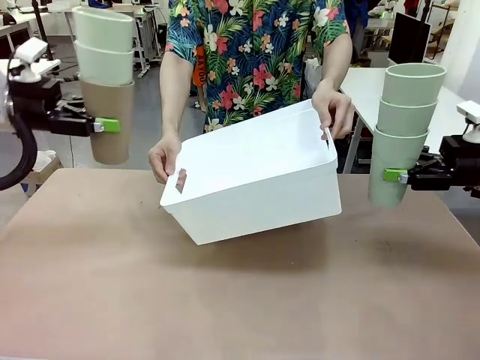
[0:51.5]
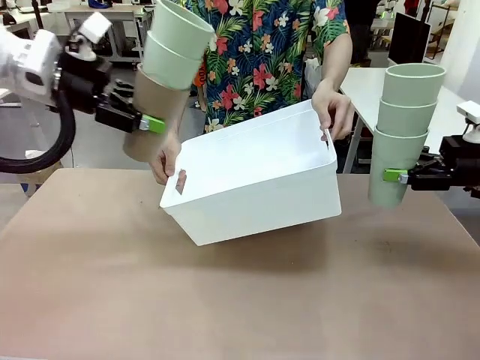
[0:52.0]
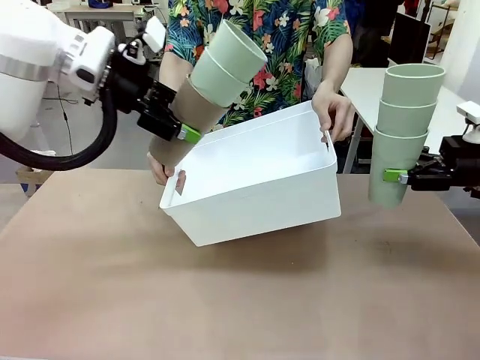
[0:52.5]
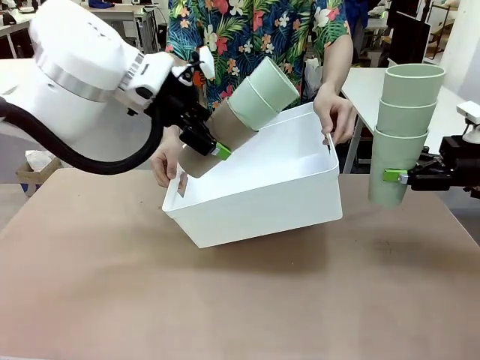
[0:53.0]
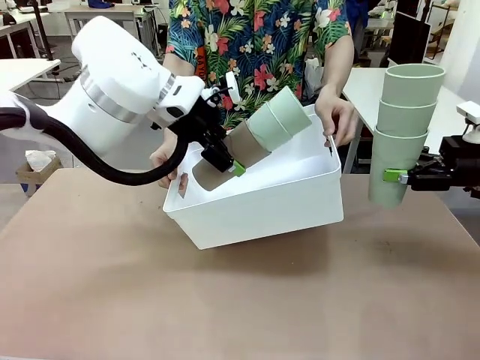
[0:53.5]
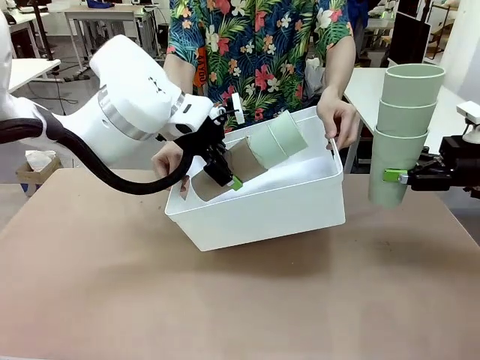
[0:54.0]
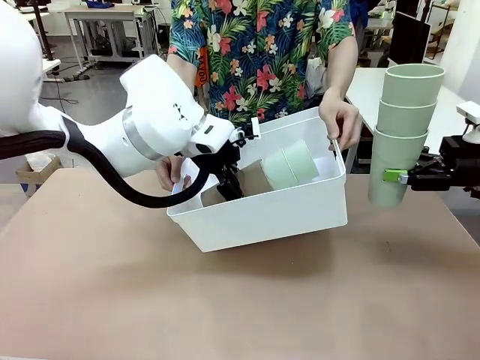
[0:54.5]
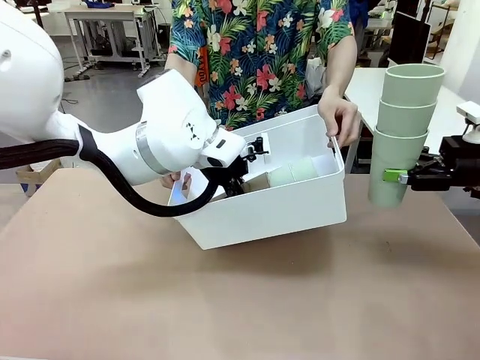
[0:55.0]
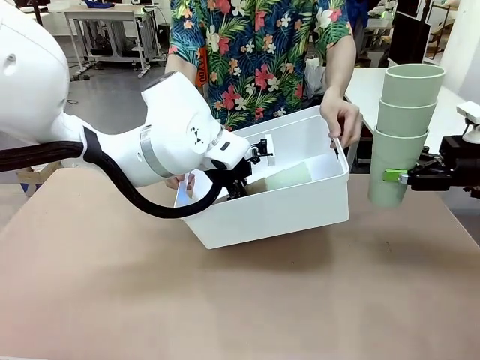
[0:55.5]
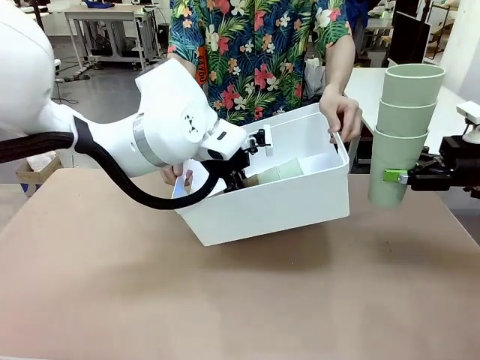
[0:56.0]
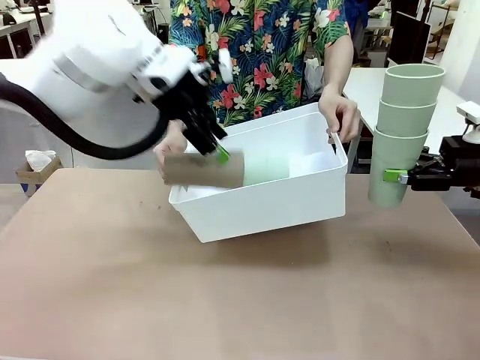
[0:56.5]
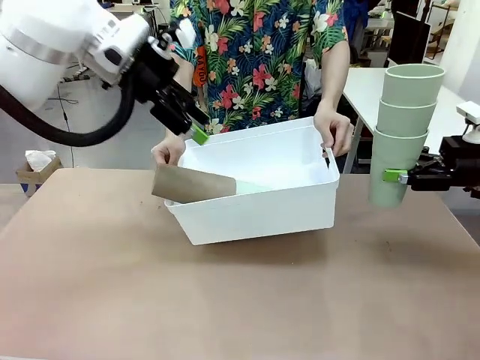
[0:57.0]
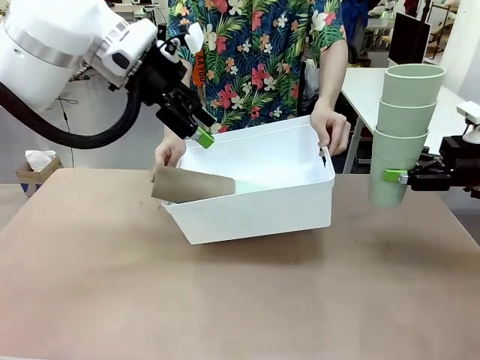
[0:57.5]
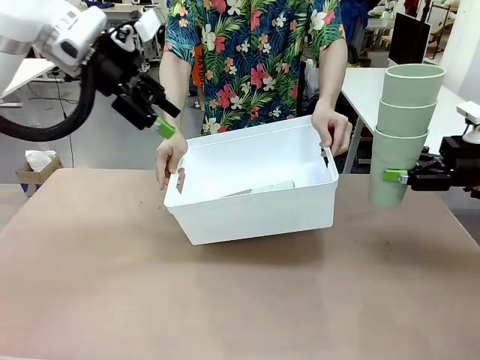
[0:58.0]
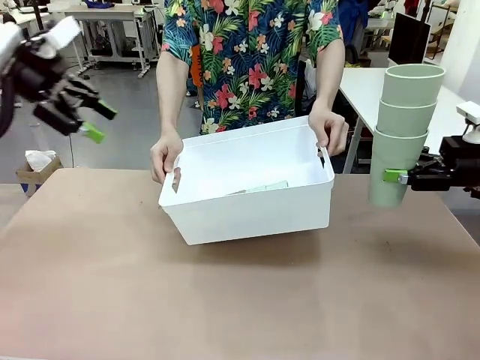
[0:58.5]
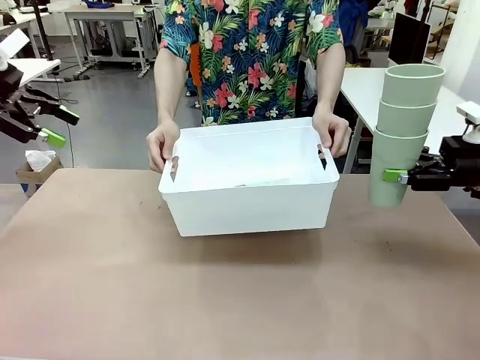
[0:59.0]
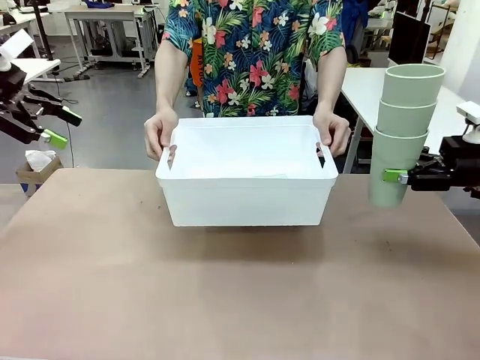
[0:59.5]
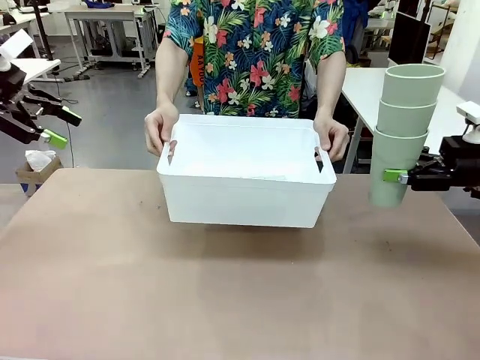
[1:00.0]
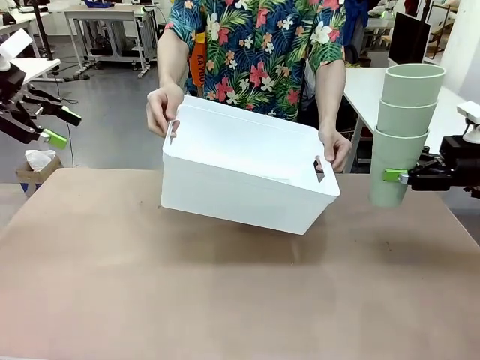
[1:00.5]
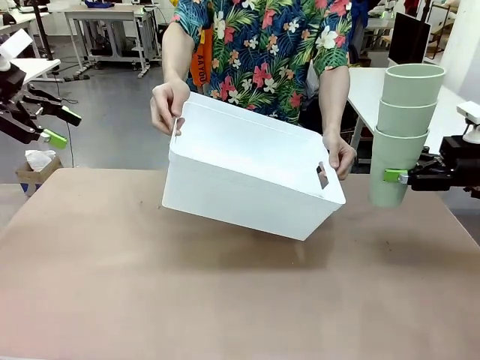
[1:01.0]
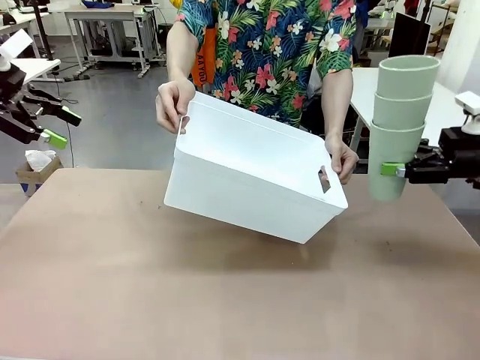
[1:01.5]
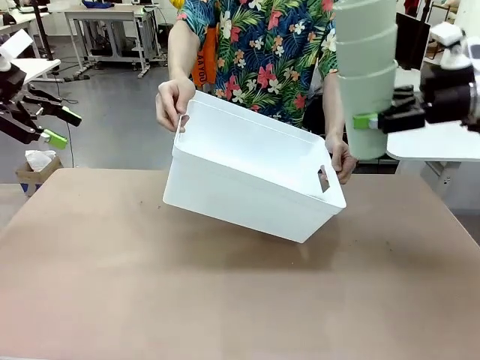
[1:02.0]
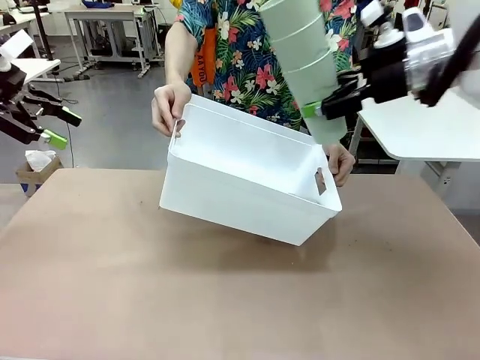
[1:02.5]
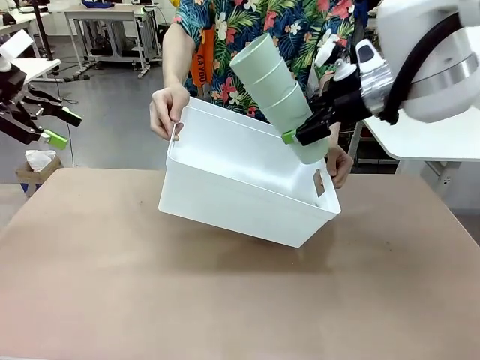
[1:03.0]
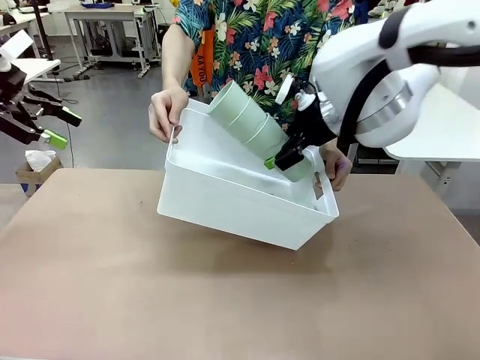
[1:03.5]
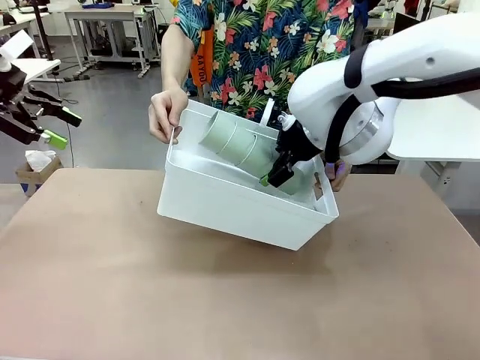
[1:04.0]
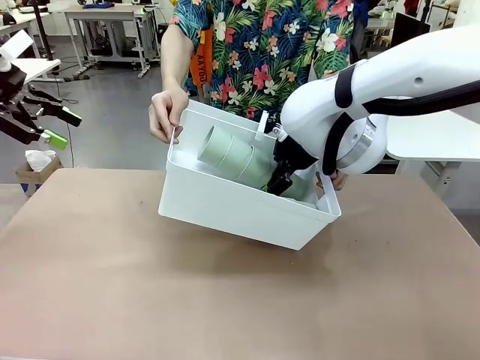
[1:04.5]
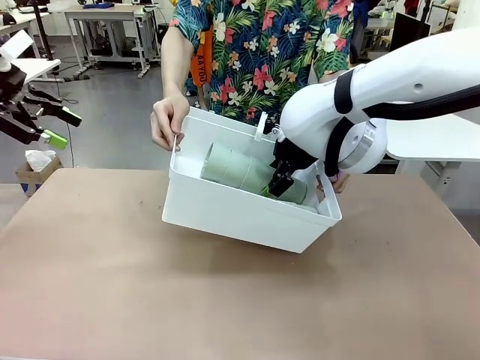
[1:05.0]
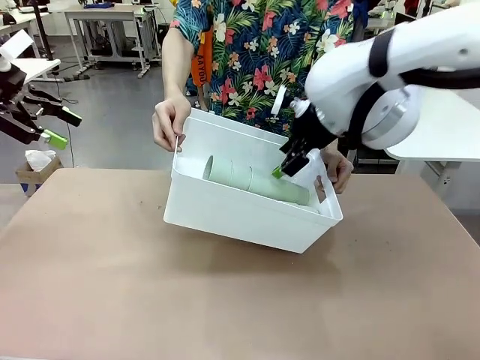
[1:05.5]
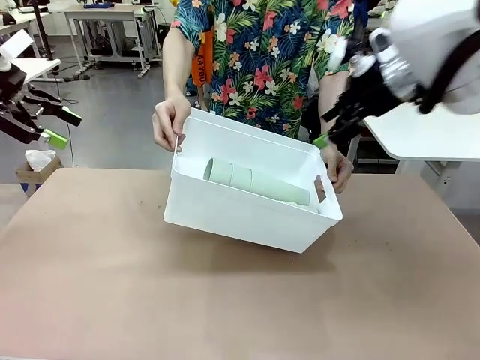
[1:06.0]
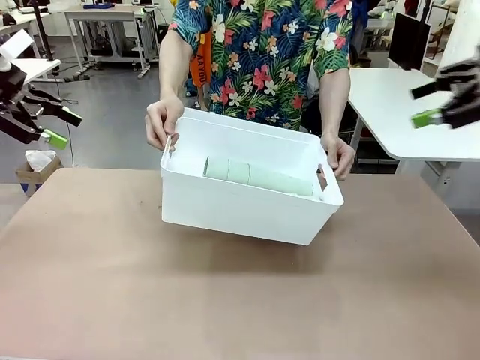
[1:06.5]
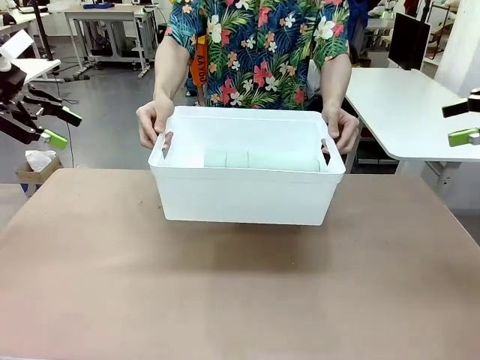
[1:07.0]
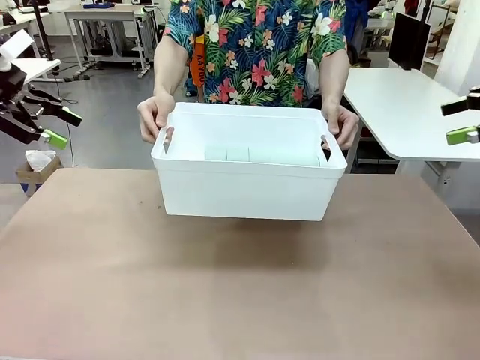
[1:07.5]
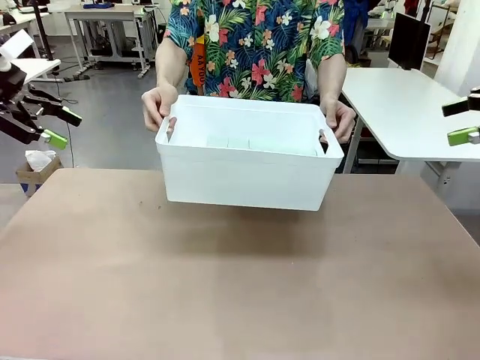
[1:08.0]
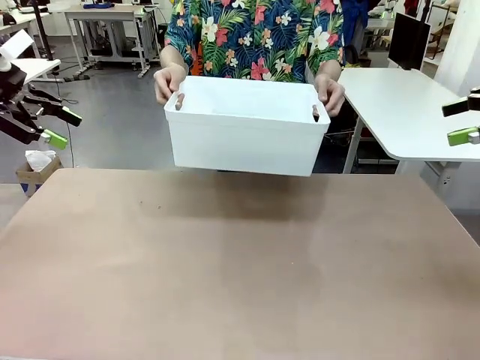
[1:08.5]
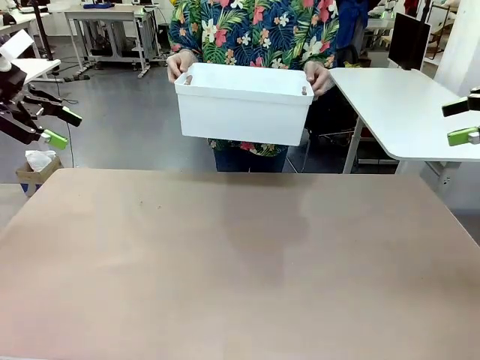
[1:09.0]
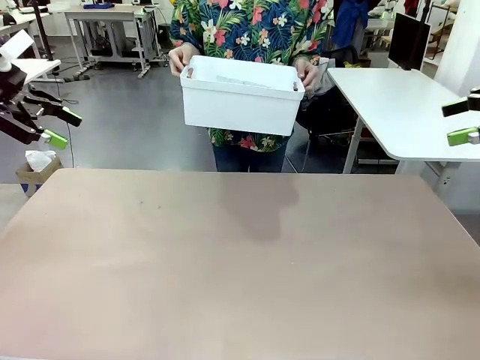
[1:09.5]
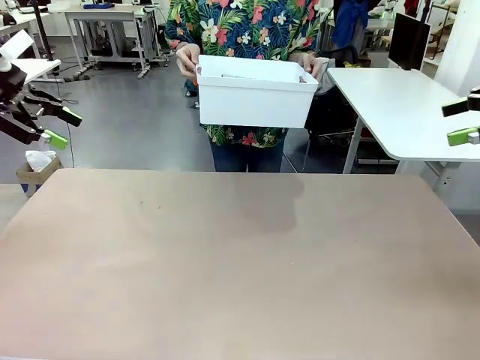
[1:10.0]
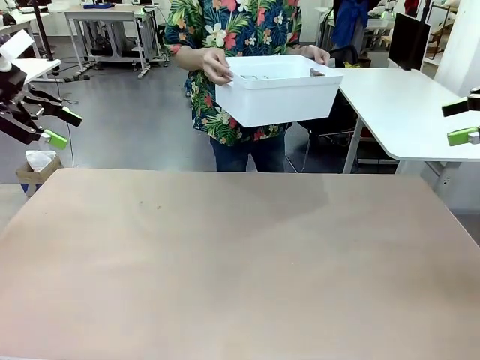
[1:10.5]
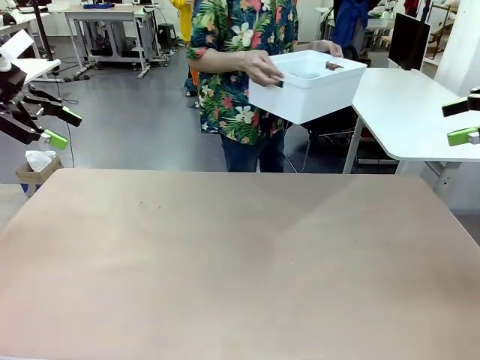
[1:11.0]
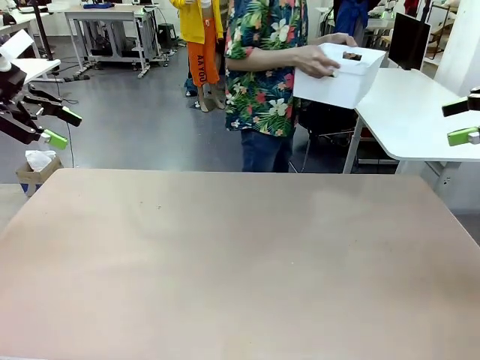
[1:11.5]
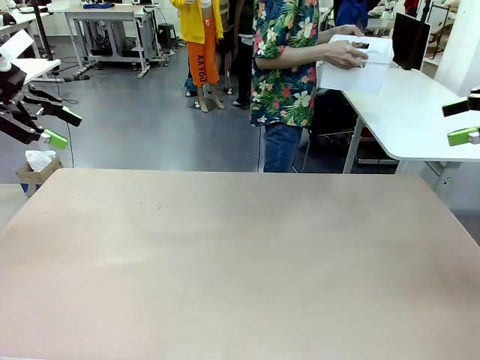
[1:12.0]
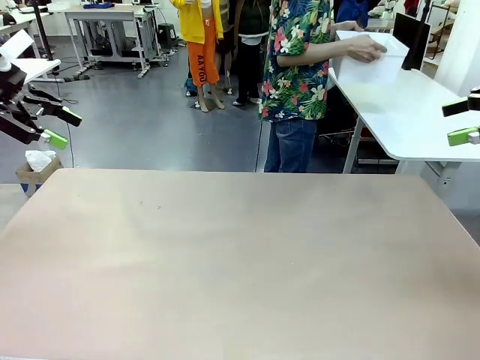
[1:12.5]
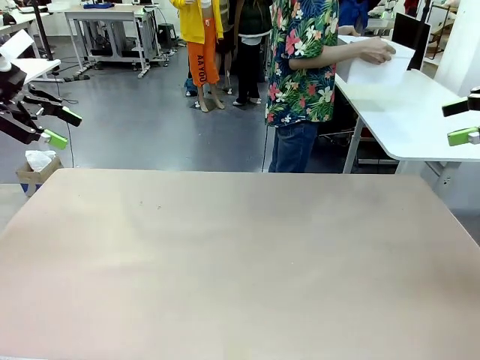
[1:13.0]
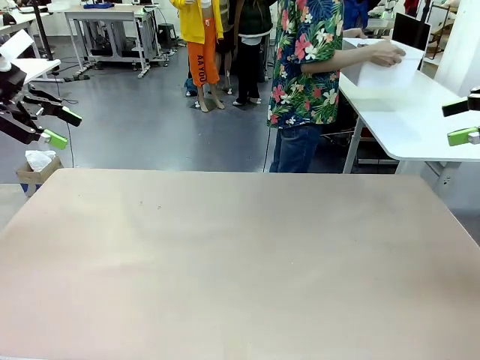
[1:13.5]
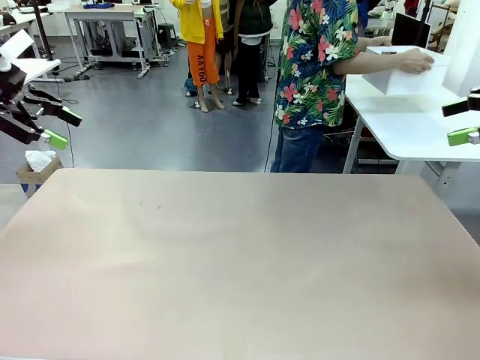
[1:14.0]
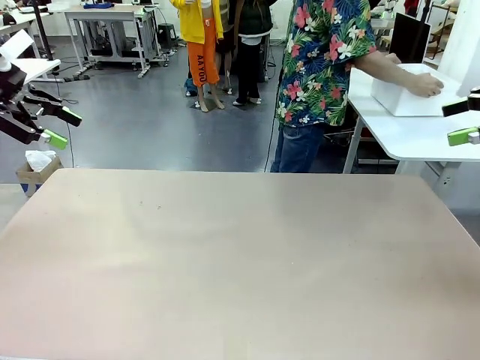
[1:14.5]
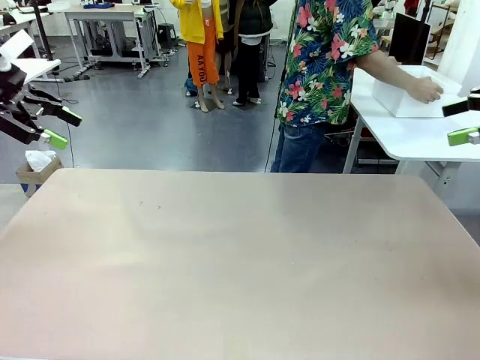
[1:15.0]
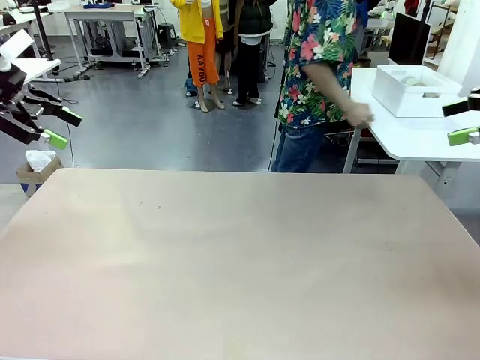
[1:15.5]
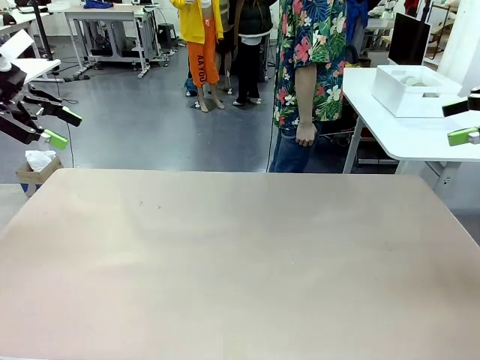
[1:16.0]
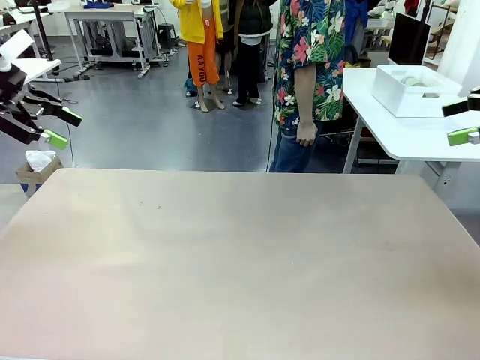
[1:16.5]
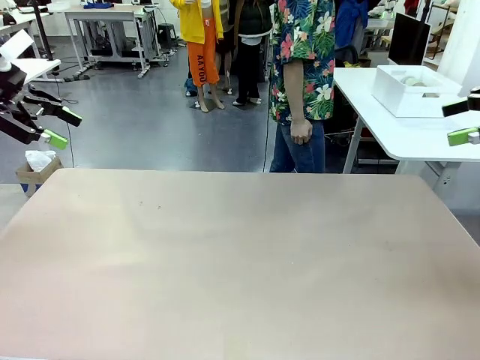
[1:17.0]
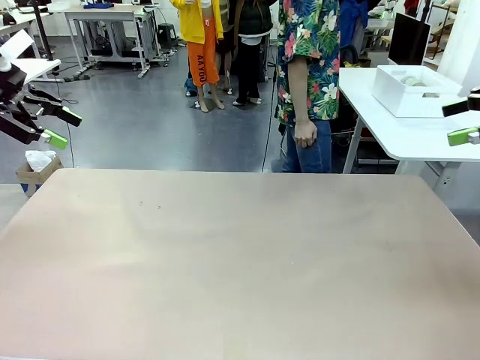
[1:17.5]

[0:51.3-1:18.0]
Task: Stack the cups and store them in the basket.
Robot: Place the stack of Reusable plastic cups into the Pantry Basket.
Person: Place the basket containing the cups in the middle of the Human Table.

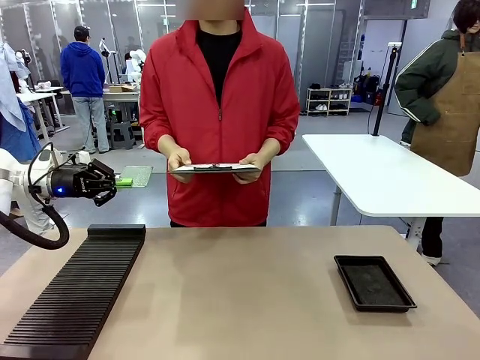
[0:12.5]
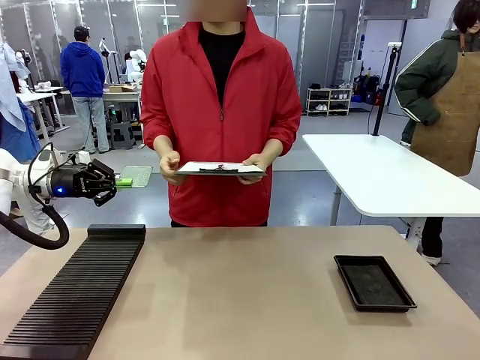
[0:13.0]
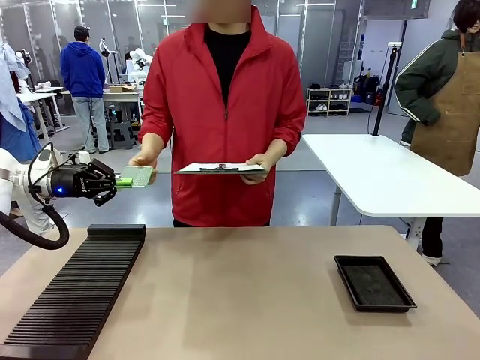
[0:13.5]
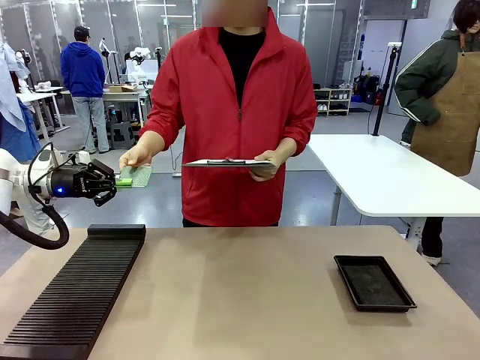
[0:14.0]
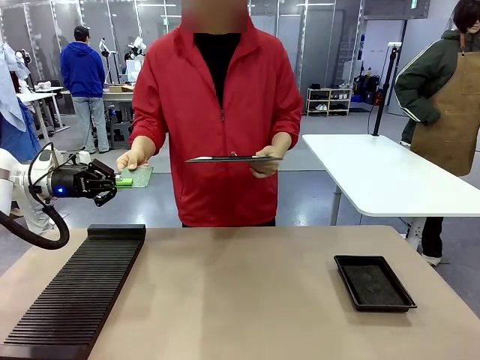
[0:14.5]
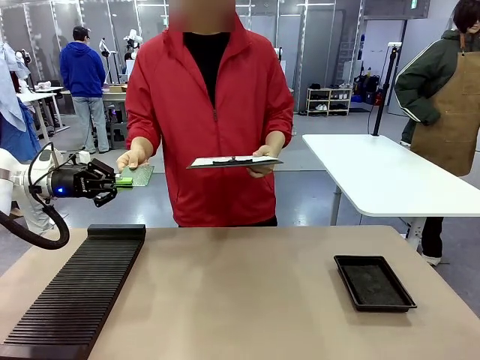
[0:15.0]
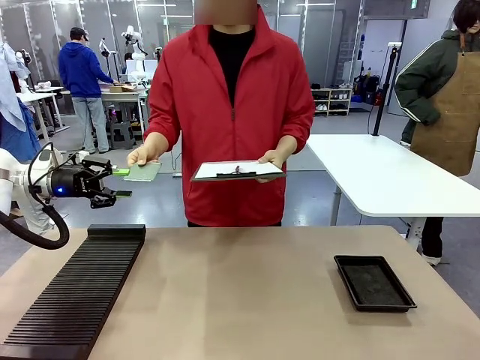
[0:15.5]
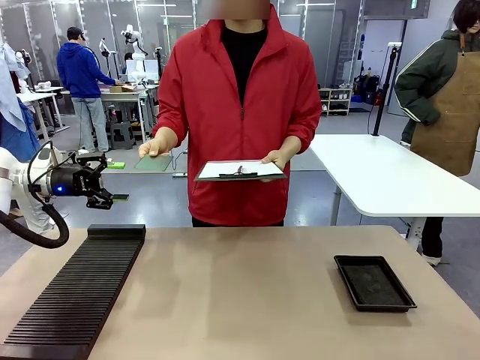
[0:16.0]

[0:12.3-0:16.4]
Task: Inspect the PCB.
Robot: Release the Blank PCB you were holding.
